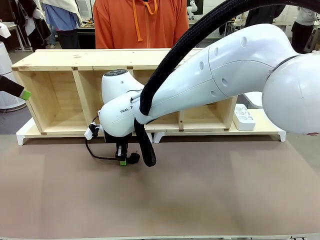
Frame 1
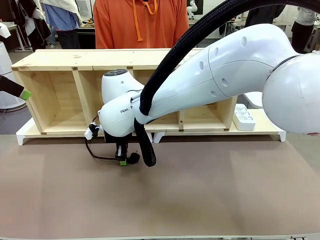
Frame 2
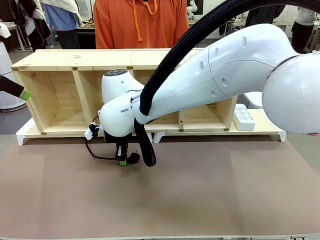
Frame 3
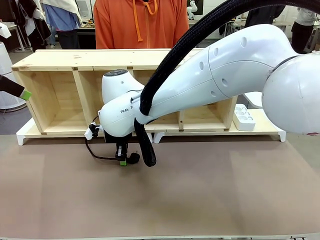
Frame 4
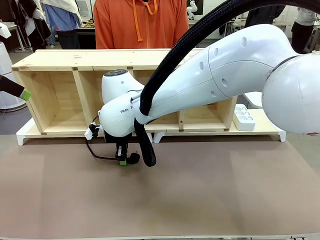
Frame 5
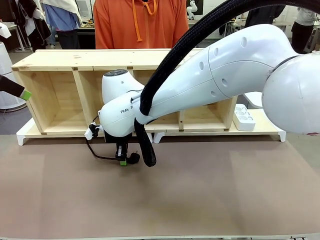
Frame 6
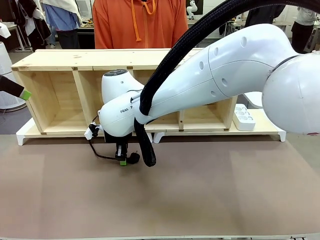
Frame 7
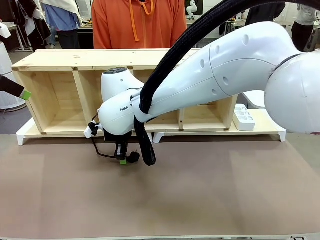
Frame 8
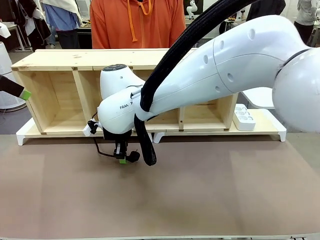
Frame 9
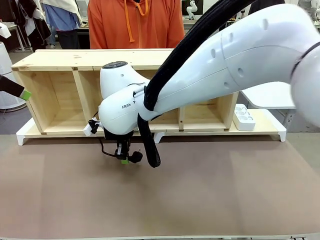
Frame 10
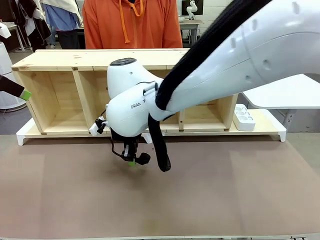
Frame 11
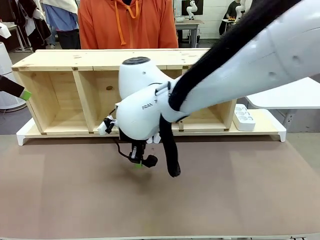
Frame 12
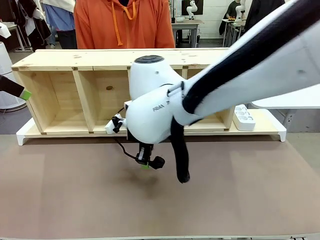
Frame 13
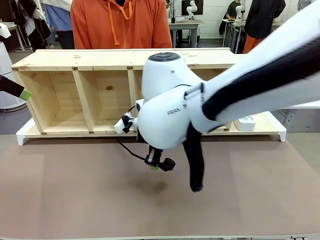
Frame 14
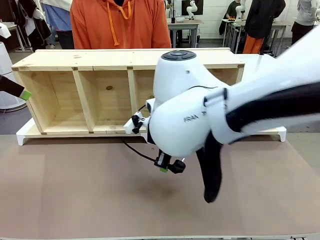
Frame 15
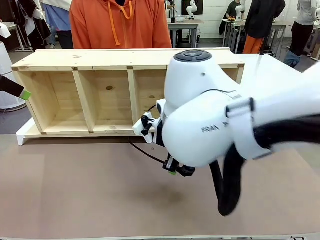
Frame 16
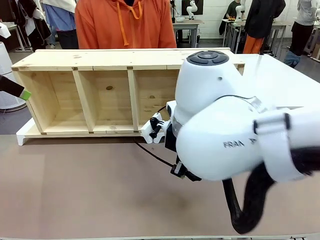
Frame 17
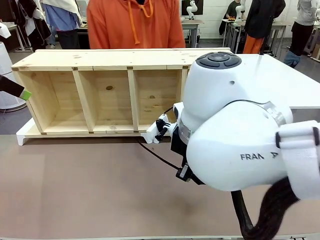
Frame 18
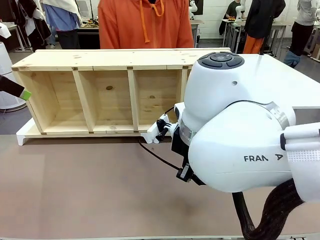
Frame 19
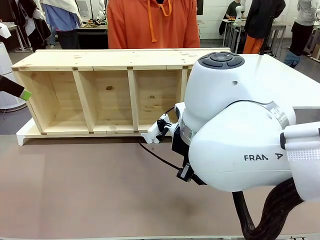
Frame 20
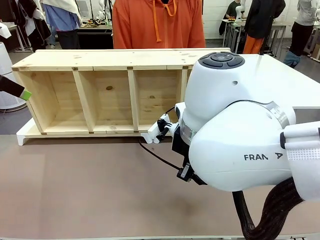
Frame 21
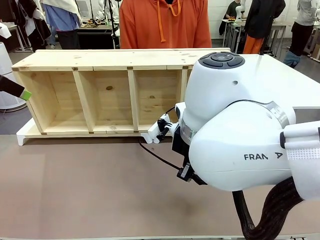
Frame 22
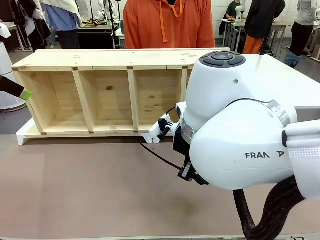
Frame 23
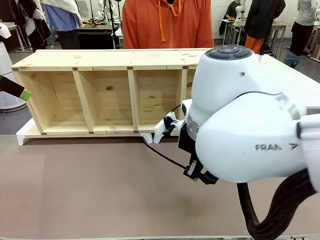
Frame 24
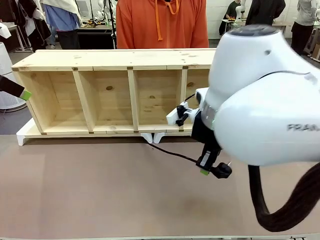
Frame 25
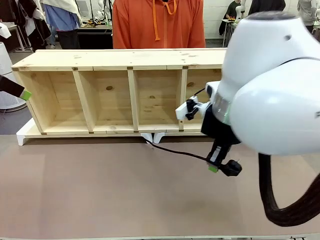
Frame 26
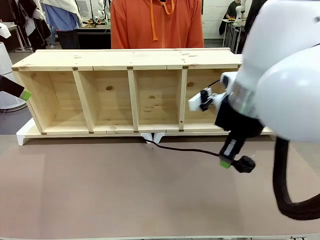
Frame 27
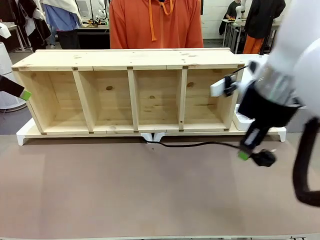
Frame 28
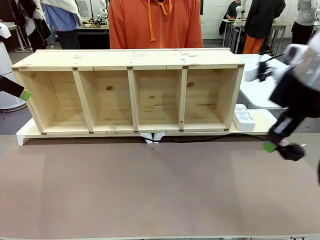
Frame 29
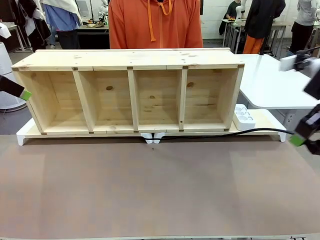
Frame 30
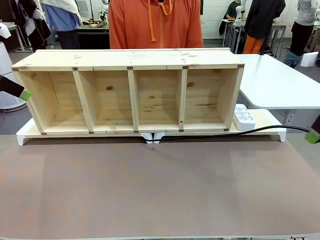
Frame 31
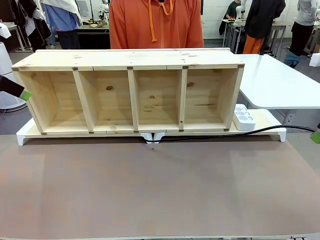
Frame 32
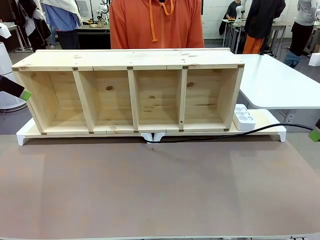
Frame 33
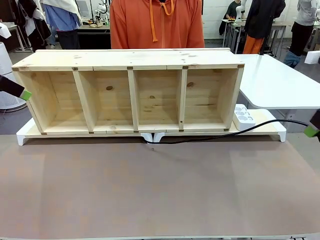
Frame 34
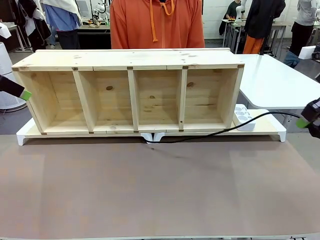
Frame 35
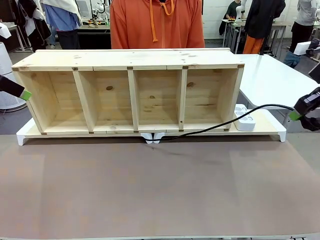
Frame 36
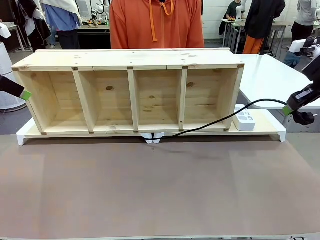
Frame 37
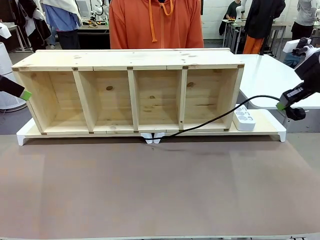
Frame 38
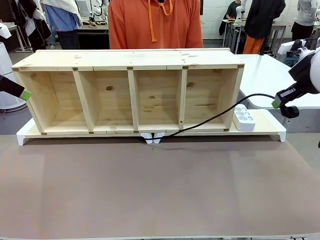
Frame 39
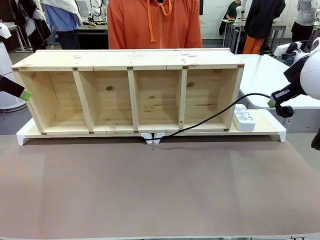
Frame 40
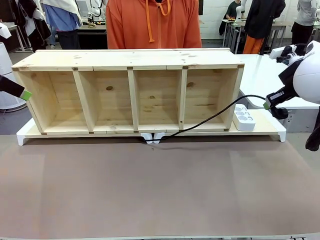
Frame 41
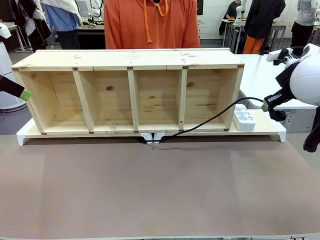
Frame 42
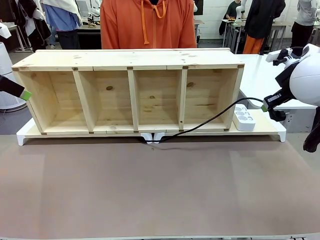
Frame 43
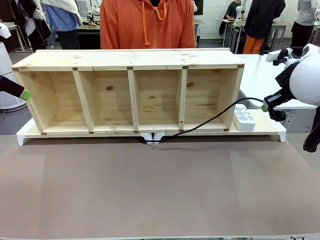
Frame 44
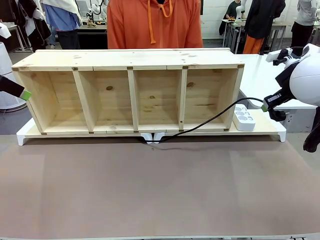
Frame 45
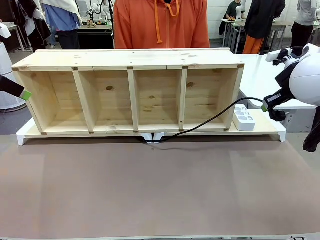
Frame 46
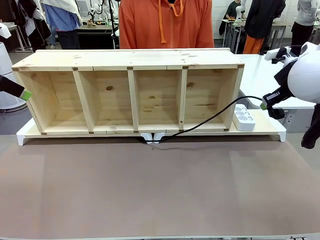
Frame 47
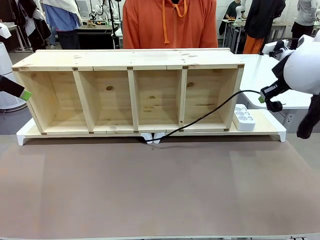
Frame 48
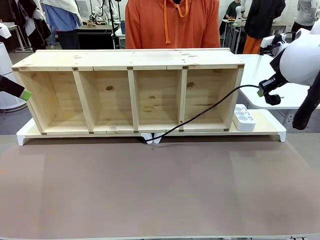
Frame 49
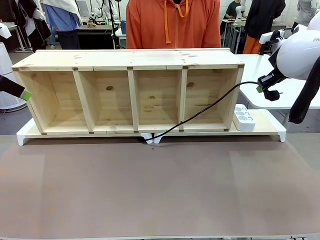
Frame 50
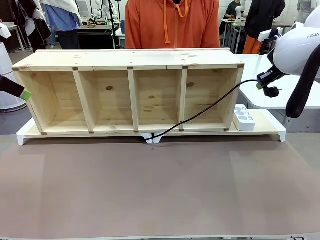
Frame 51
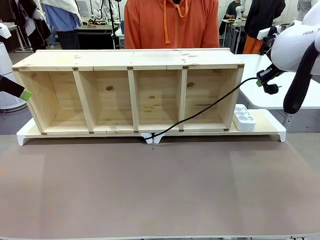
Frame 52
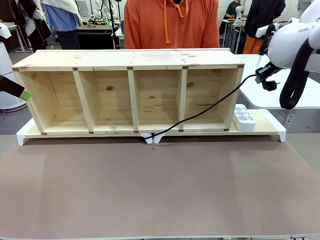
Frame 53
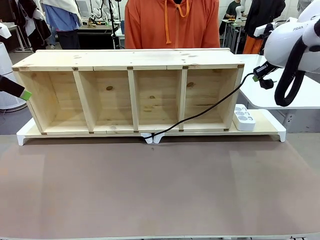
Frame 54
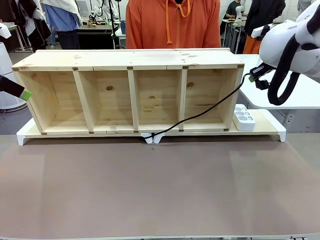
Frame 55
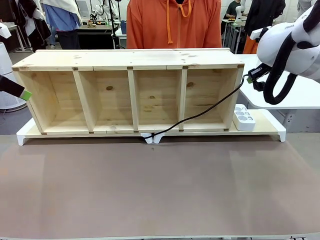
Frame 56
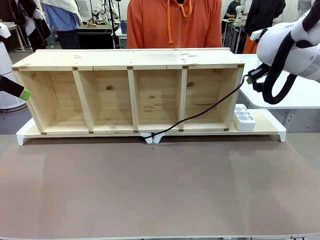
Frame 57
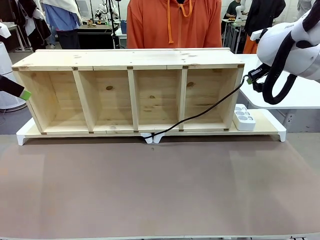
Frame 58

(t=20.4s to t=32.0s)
Task: Perform cable management.
Robot: Pull the grasped Power Cable to the location of the Power Strip.

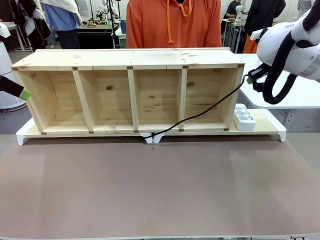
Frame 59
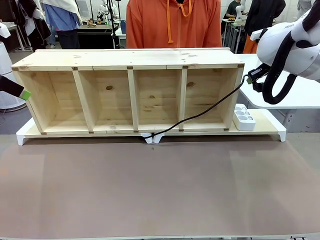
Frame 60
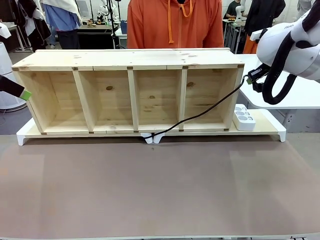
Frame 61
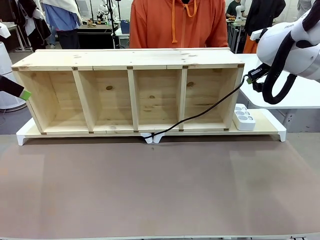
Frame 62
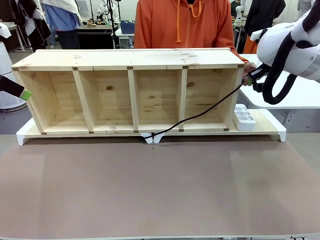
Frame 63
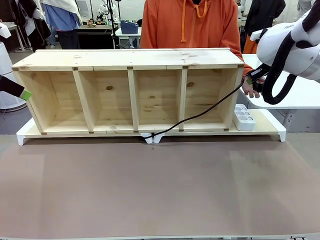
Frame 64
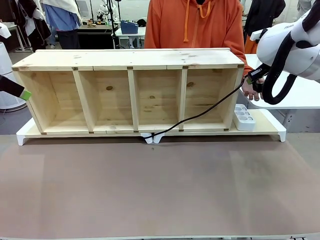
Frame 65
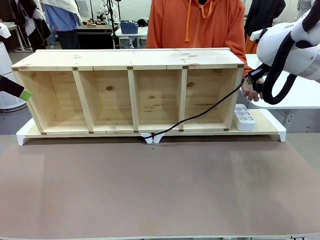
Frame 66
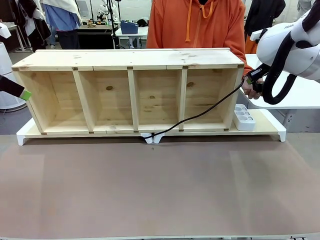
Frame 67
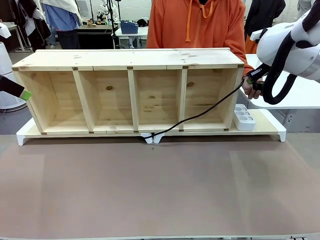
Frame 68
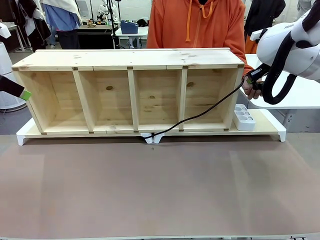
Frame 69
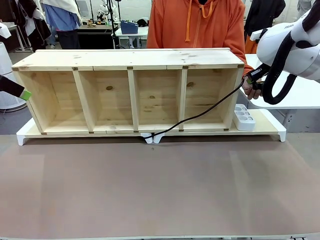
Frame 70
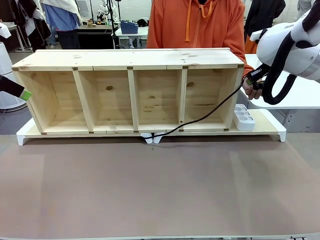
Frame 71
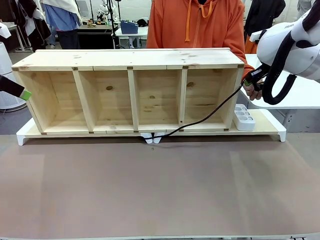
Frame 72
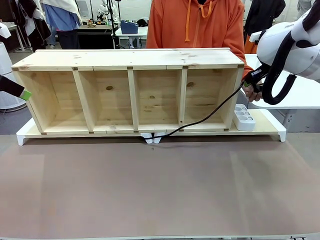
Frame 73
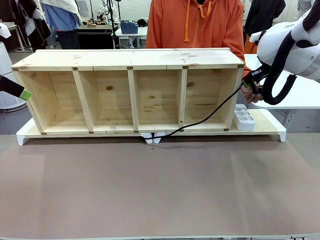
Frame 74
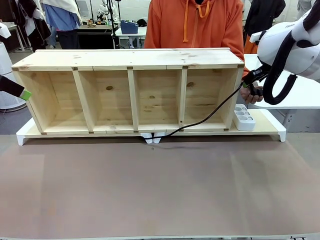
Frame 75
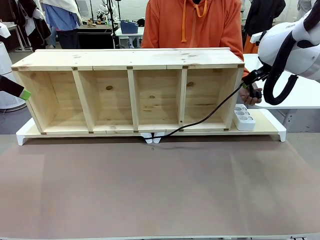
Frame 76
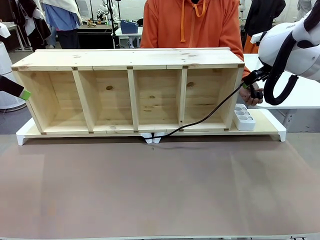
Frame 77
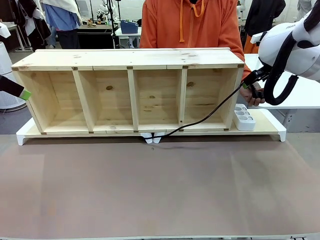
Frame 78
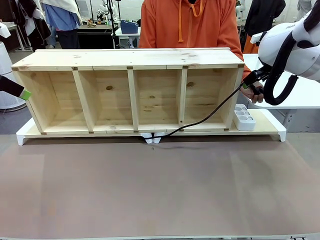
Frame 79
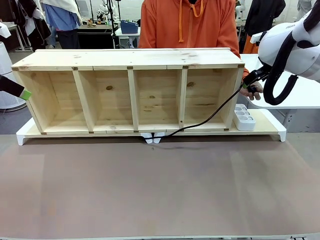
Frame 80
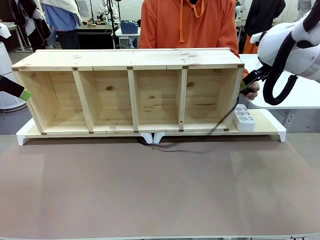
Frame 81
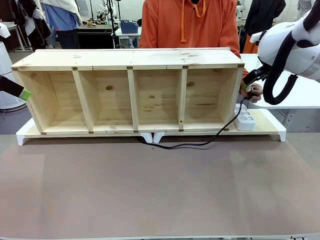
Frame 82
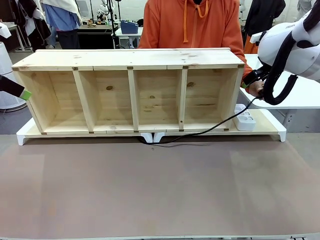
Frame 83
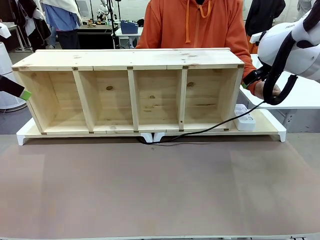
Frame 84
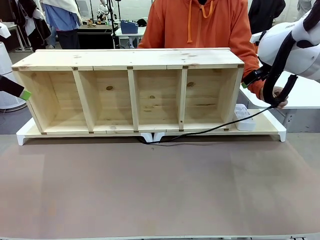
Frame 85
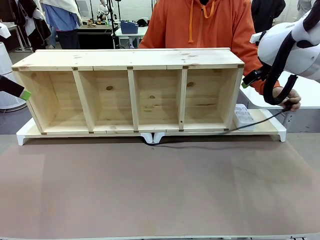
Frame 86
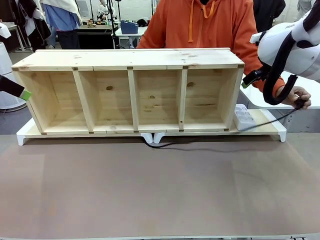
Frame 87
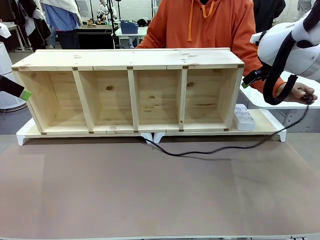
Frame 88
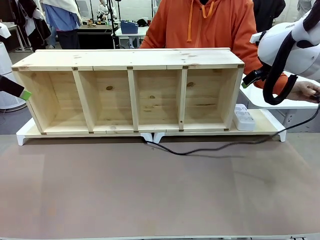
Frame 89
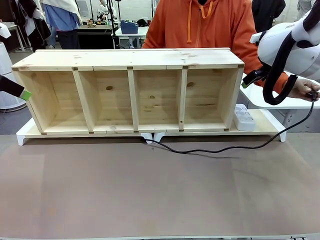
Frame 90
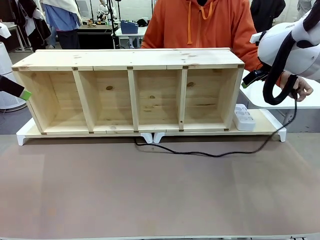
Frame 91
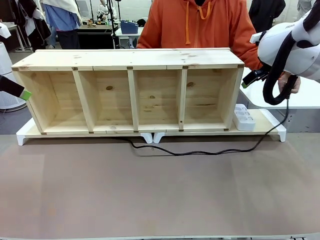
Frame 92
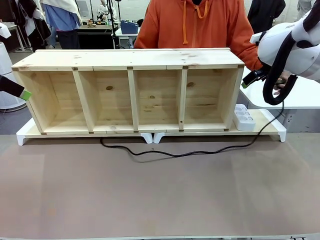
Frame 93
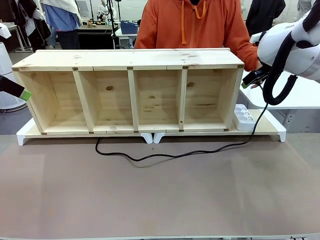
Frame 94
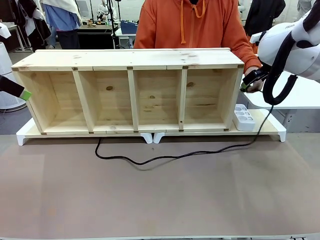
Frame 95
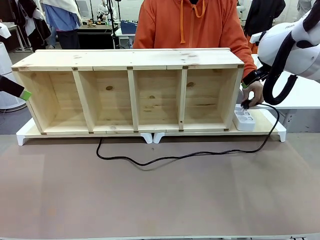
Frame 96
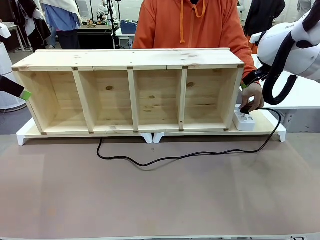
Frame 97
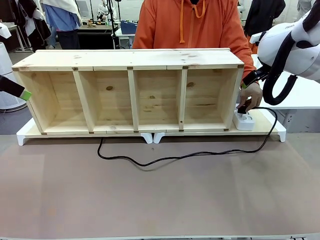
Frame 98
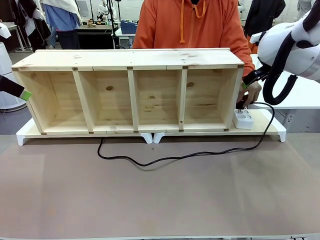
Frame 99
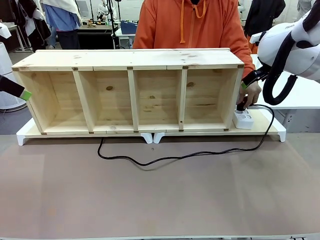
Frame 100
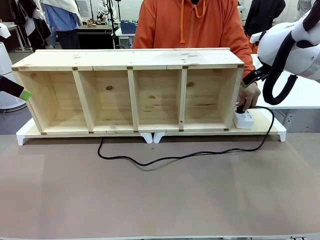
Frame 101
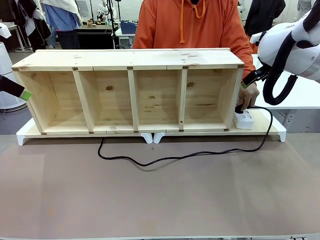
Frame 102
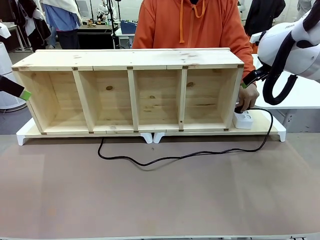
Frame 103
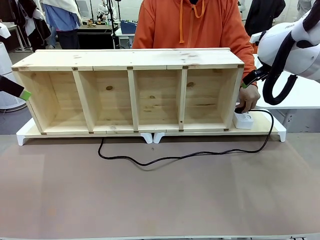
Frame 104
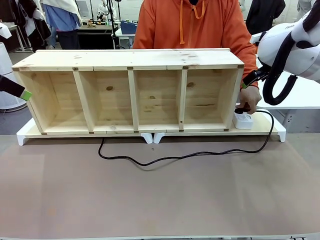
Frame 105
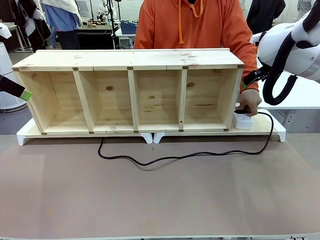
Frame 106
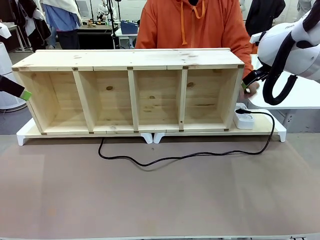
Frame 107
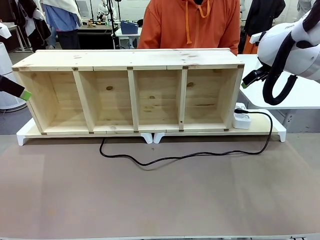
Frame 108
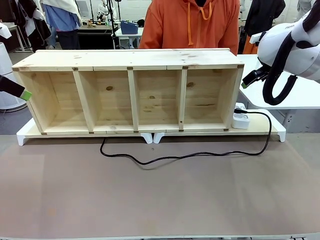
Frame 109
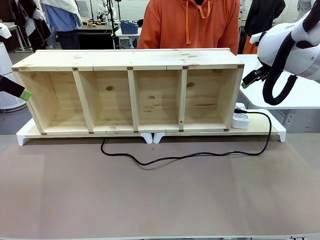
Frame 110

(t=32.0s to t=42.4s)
Robot: Release the Power Cable when the human grasps it.
Person: Plug the Power Cable into the Power Strip.
